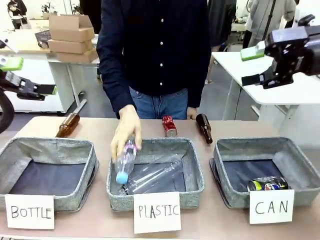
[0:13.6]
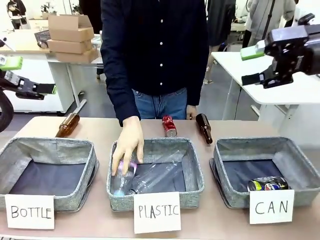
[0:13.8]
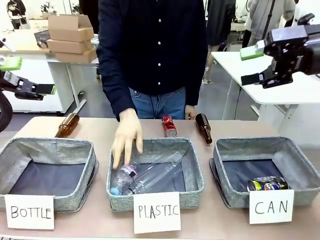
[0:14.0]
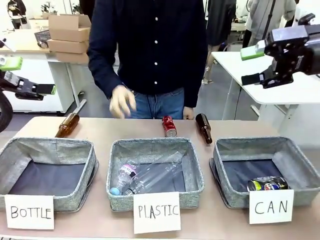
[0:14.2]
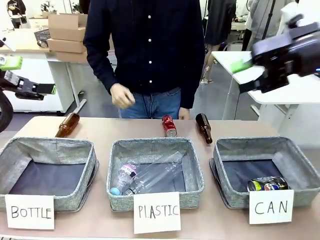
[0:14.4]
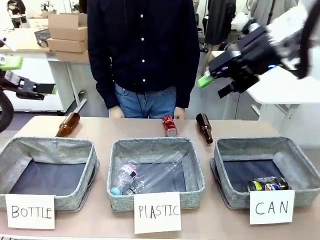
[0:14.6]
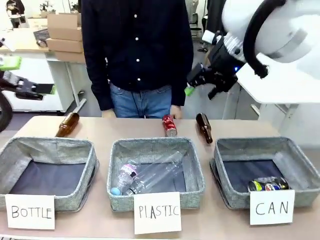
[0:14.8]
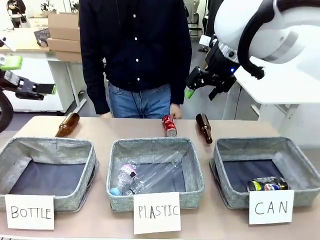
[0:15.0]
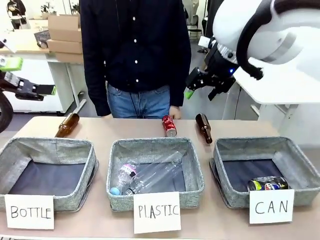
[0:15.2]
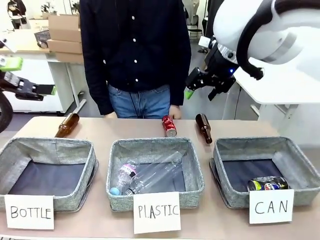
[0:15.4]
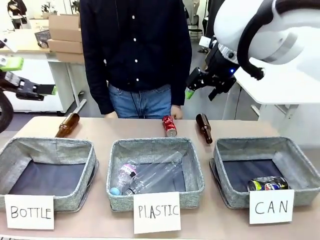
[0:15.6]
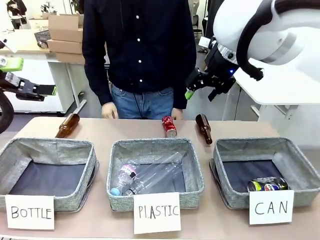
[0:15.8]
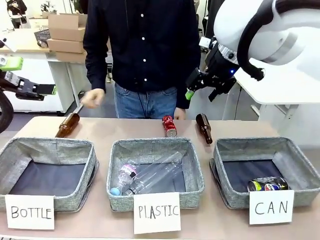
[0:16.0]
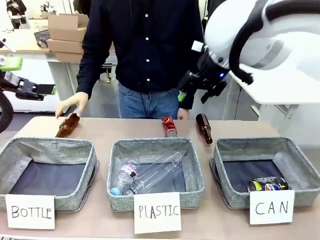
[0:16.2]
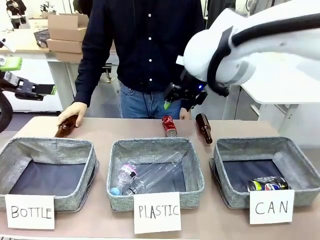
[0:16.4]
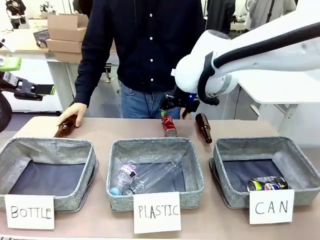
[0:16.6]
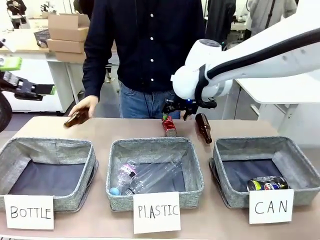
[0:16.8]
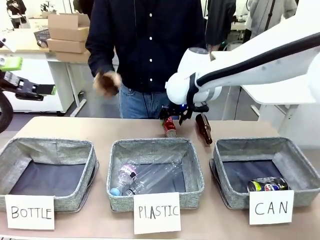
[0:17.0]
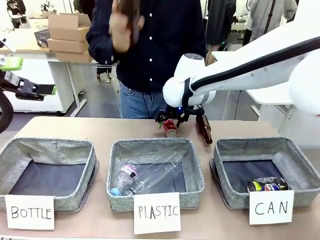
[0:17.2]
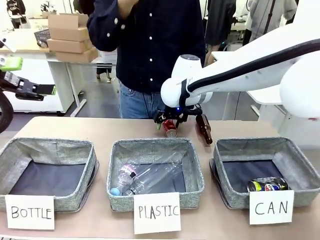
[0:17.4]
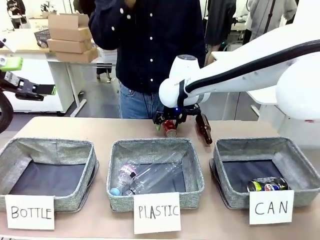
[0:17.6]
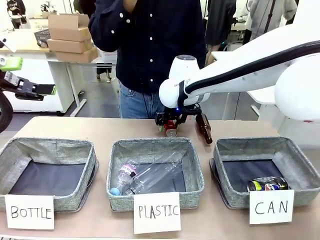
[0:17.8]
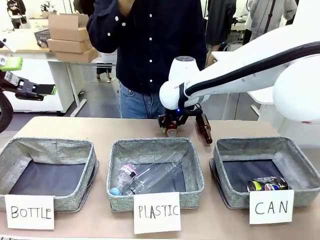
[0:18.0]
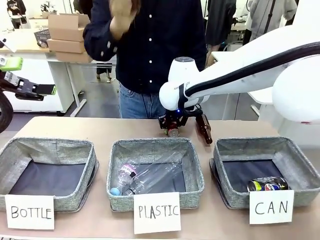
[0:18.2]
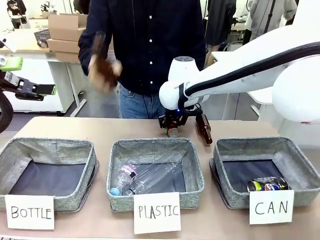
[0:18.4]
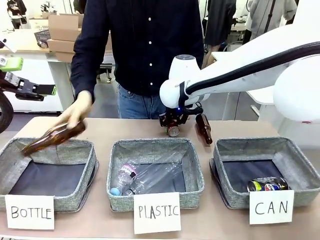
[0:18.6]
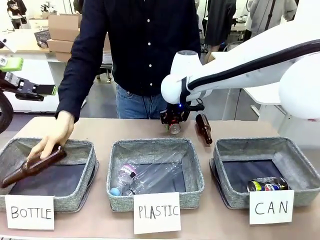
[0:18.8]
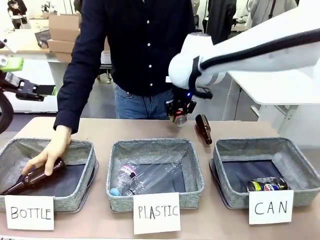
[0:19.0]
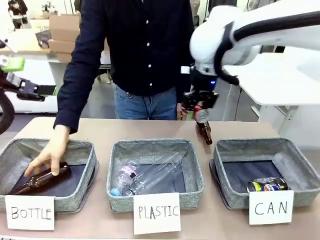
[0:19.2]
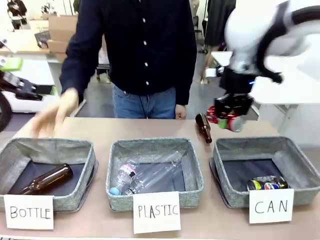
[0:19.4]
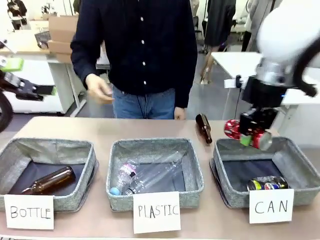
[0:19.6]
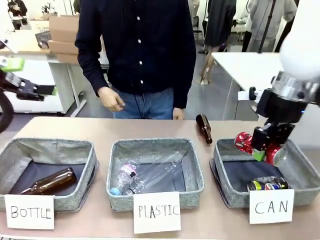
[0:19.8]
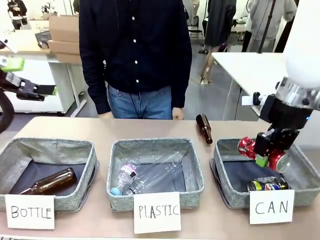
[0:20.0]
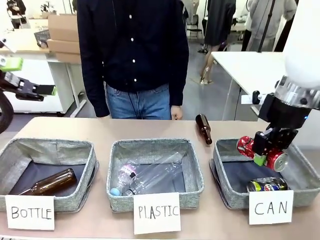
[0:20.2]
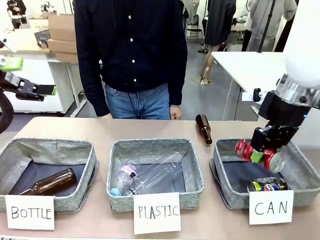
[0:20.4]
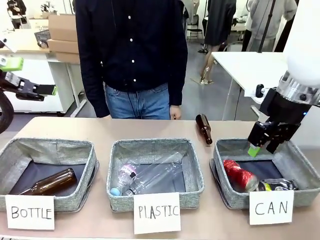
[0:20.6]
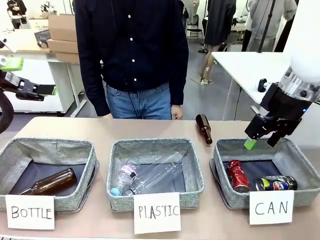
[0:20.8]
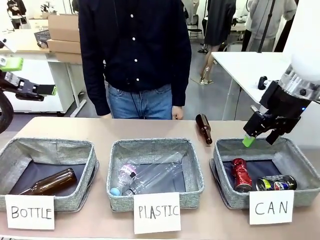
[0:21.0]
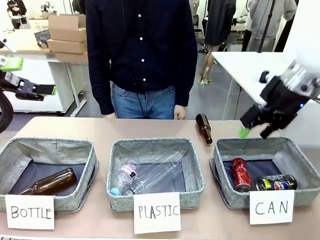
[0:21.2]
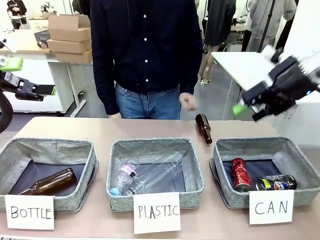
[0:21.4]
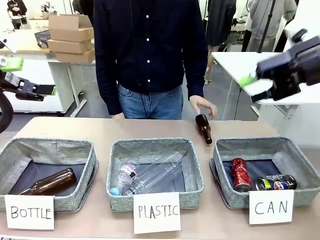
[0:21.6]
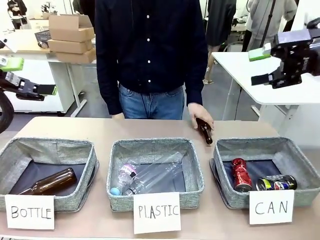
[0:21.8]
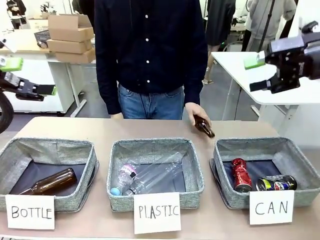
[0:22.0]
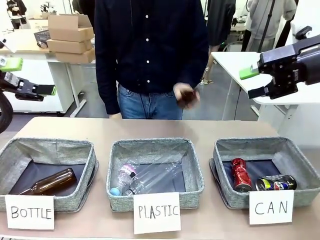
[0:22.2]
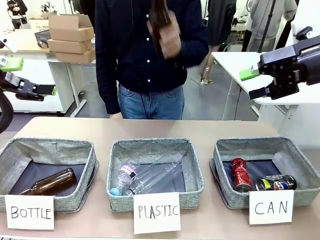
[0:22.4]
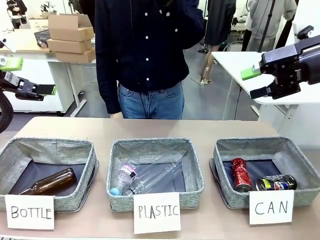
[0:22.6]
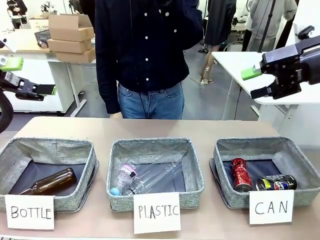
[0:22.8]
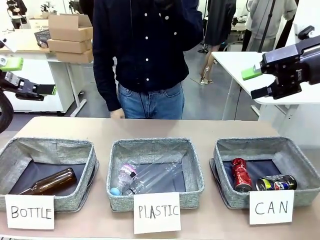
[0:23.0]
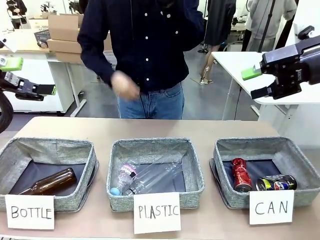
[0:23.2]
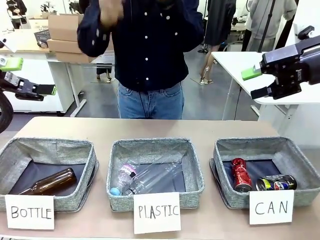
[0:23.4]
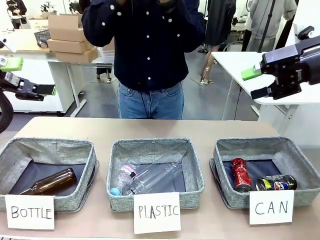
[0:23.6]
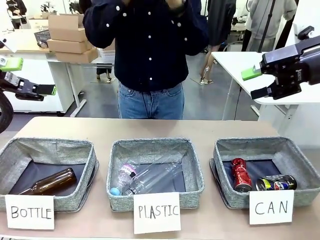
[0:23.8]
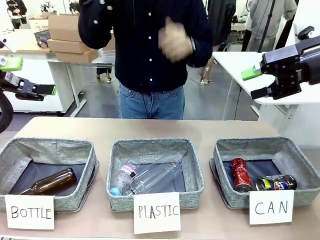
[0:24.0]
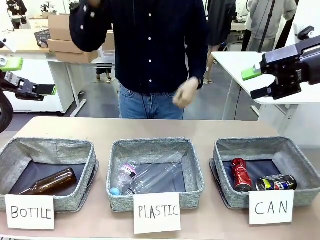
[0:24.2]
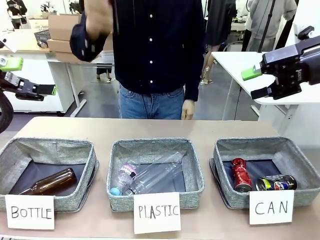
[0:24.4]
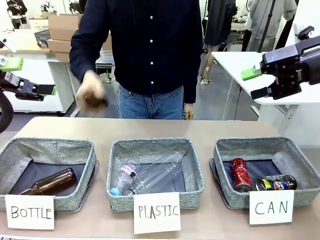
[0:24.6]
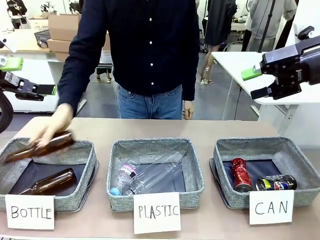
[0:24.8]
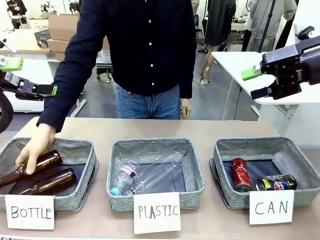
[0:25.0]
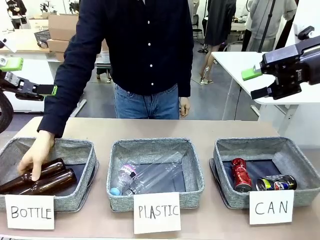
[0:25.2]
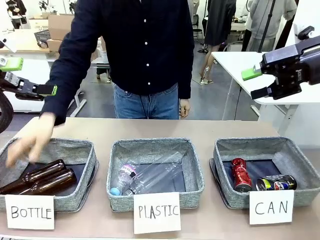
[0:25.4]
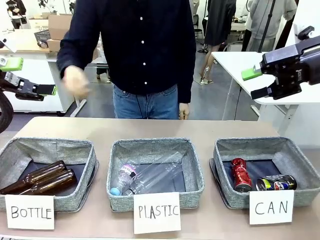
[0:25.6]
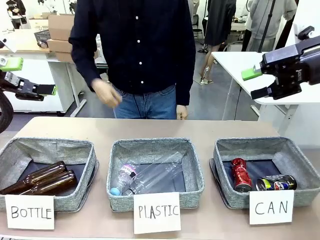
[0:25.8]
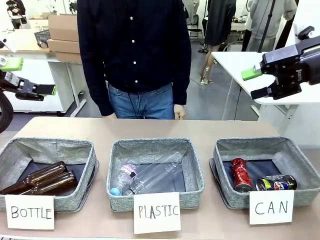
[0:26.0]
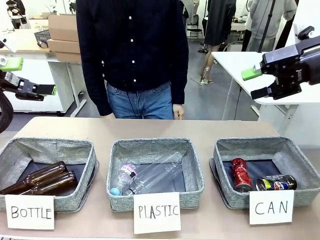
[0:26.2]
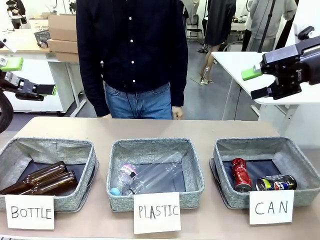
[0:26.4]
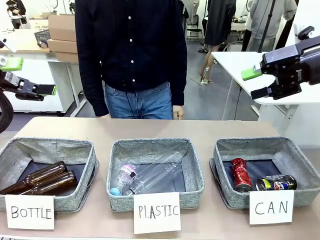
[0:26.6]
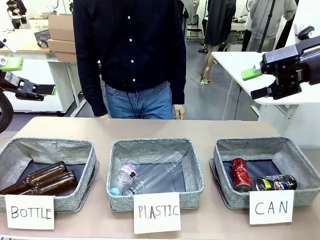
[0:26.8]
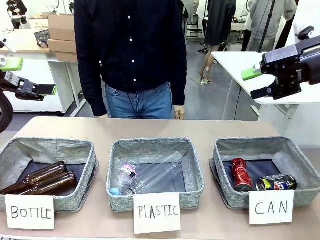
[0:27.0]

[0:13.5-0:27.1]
Task: Sort the can waste into the basket.
Robot: Pick up the can waste from the table and place it in the right Fabric basket.
Person: The human picks up one piece of trash that is not a can and places the trash into the appropriate organizing basket.
